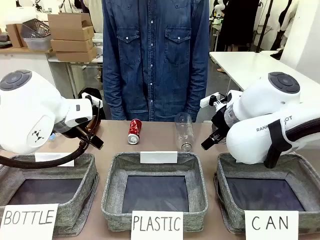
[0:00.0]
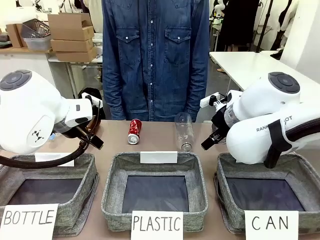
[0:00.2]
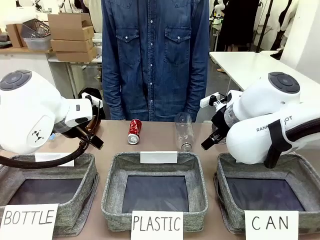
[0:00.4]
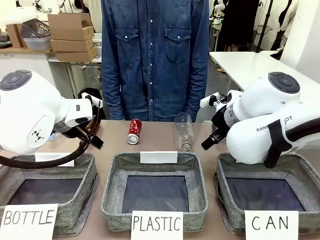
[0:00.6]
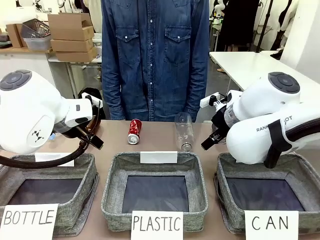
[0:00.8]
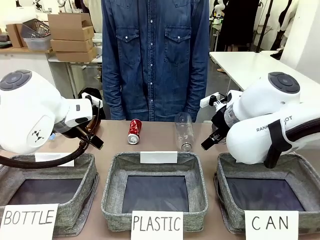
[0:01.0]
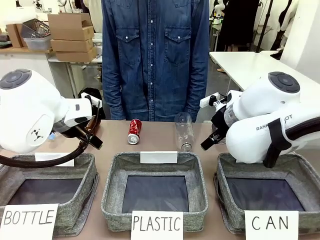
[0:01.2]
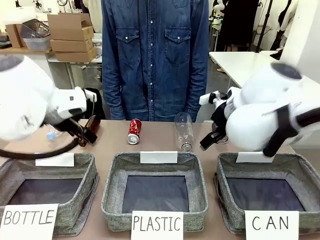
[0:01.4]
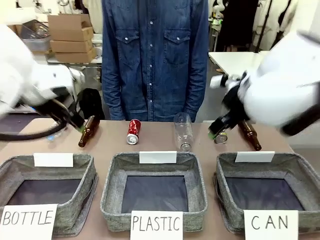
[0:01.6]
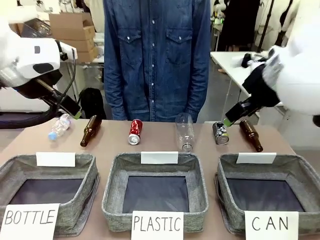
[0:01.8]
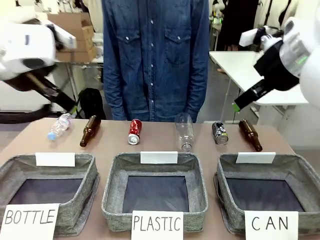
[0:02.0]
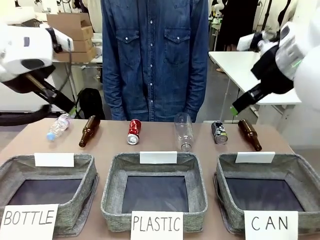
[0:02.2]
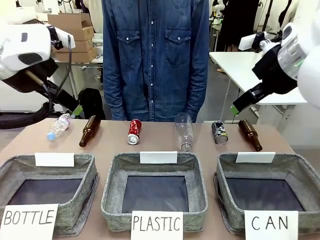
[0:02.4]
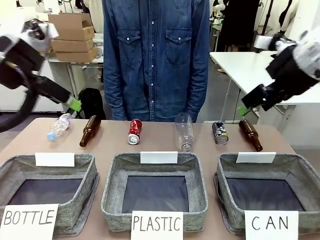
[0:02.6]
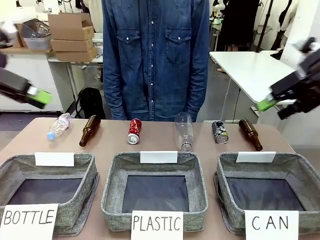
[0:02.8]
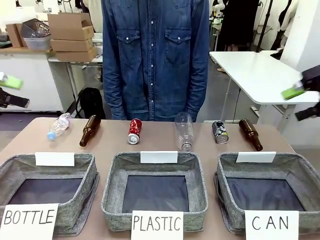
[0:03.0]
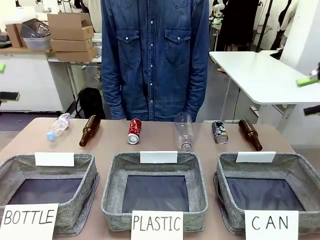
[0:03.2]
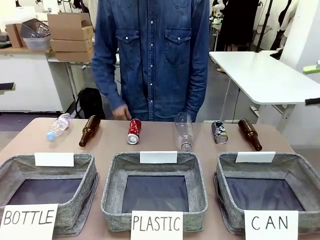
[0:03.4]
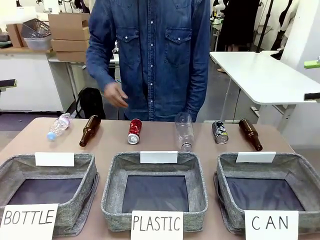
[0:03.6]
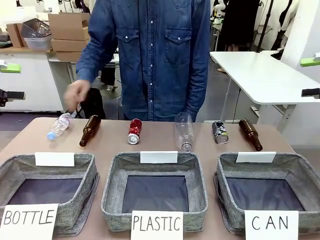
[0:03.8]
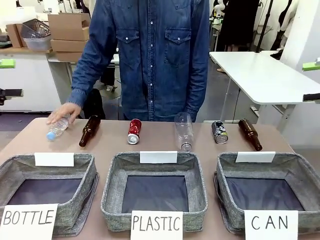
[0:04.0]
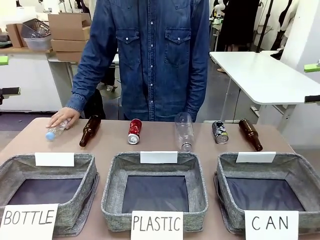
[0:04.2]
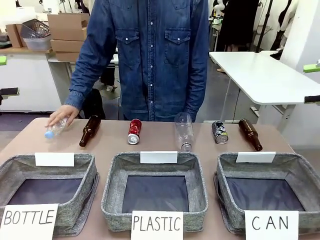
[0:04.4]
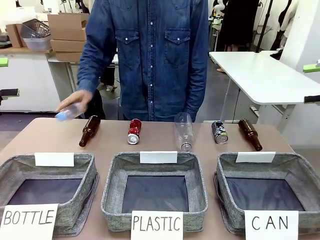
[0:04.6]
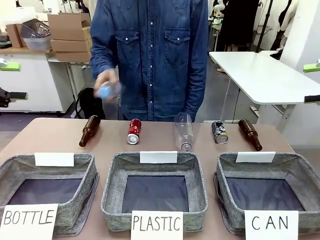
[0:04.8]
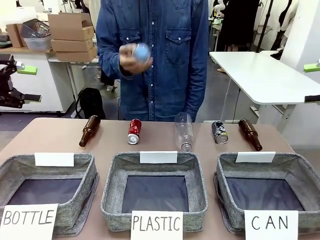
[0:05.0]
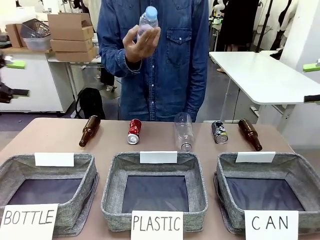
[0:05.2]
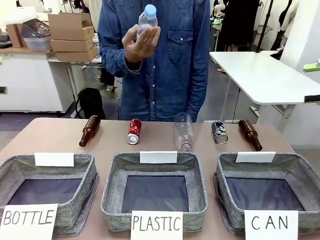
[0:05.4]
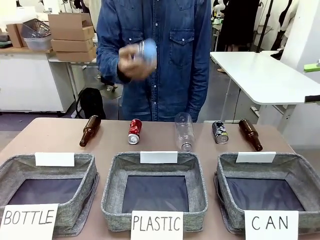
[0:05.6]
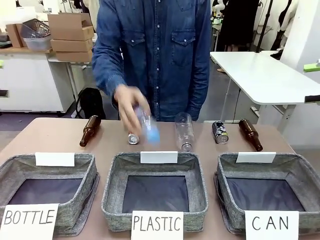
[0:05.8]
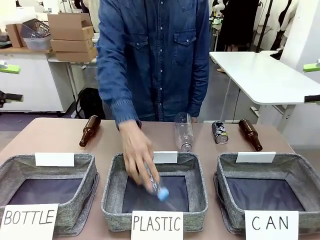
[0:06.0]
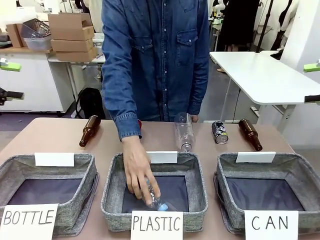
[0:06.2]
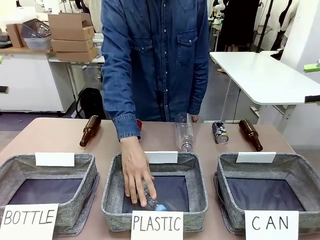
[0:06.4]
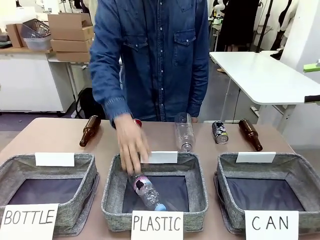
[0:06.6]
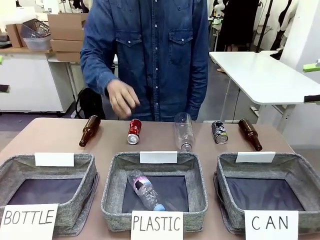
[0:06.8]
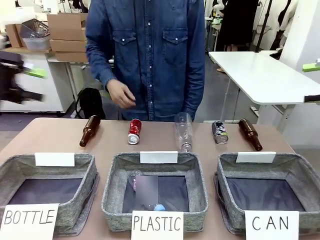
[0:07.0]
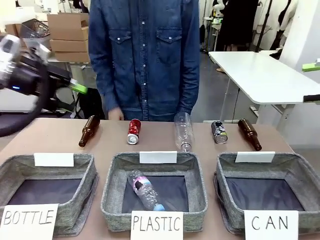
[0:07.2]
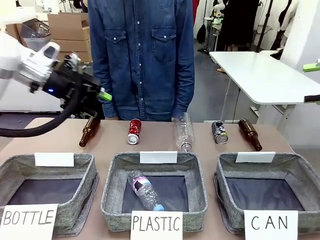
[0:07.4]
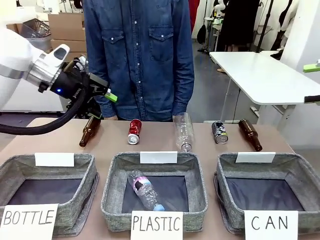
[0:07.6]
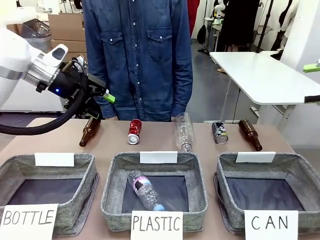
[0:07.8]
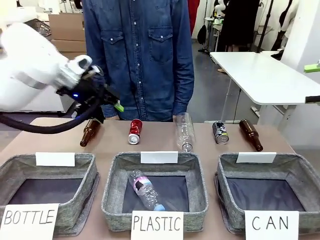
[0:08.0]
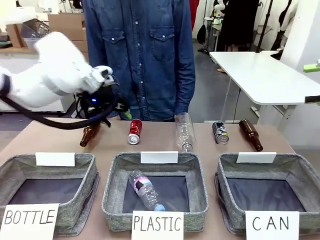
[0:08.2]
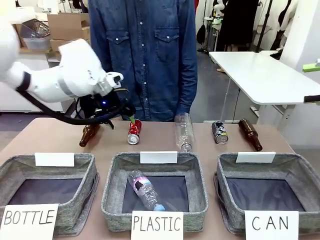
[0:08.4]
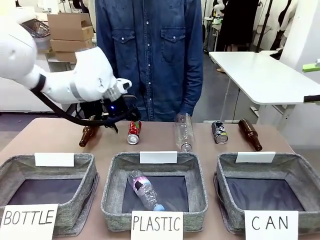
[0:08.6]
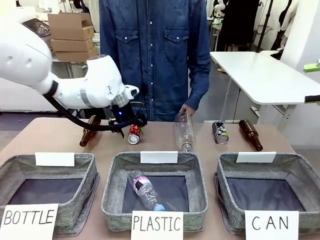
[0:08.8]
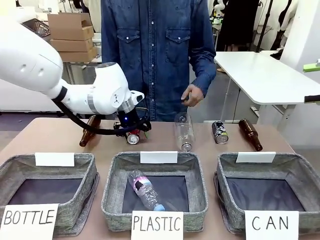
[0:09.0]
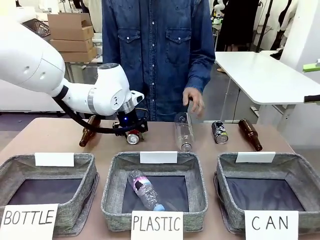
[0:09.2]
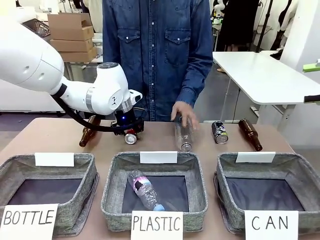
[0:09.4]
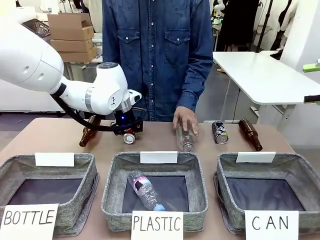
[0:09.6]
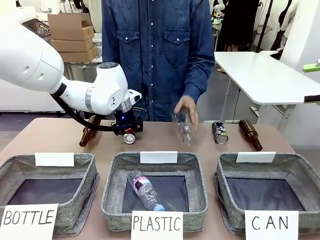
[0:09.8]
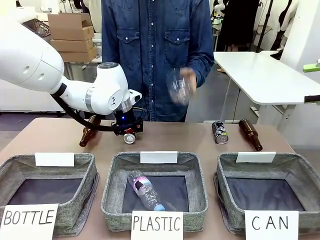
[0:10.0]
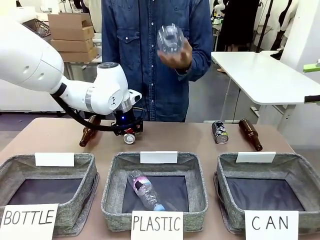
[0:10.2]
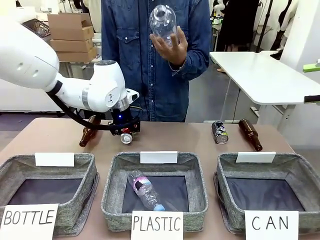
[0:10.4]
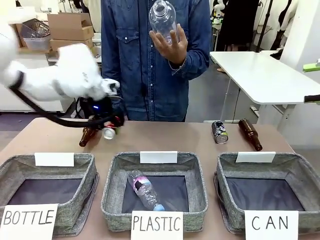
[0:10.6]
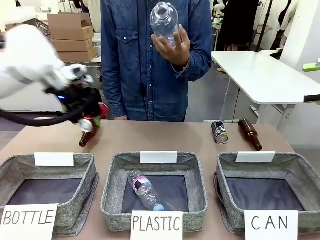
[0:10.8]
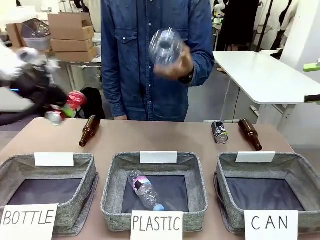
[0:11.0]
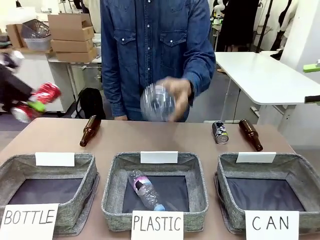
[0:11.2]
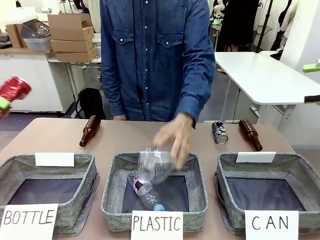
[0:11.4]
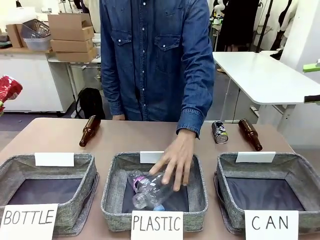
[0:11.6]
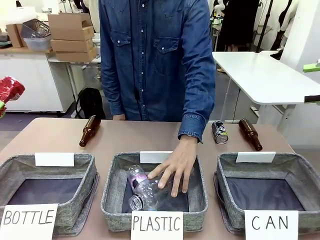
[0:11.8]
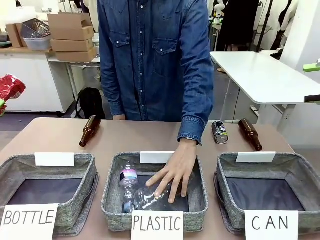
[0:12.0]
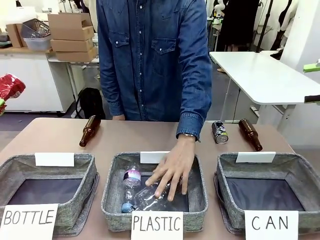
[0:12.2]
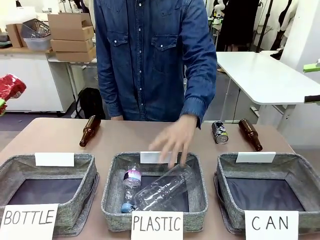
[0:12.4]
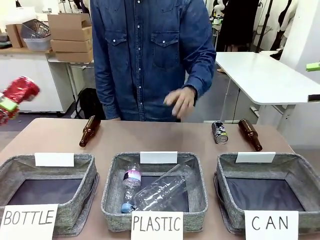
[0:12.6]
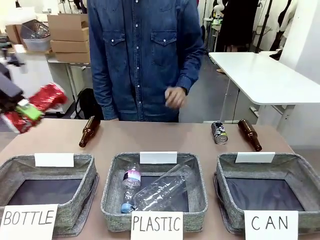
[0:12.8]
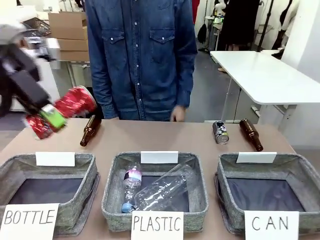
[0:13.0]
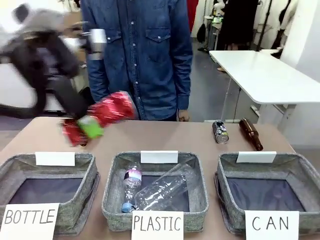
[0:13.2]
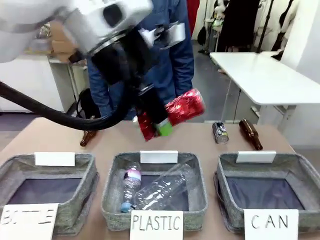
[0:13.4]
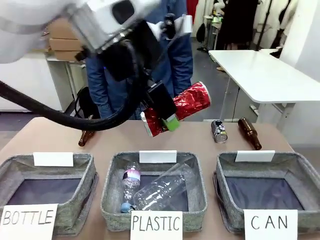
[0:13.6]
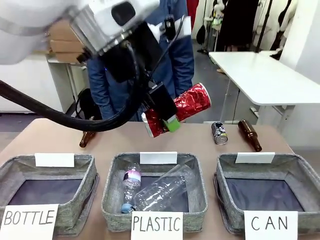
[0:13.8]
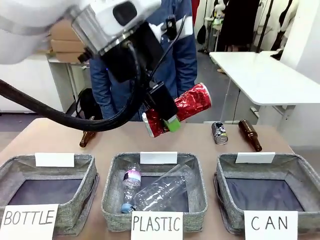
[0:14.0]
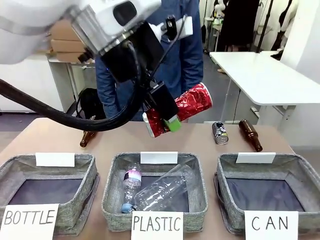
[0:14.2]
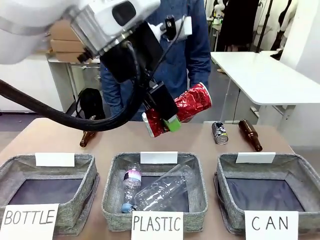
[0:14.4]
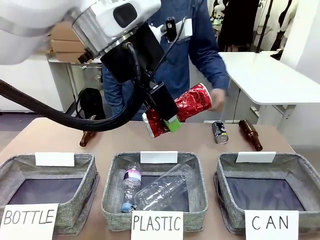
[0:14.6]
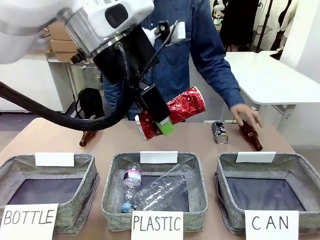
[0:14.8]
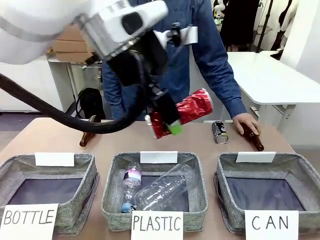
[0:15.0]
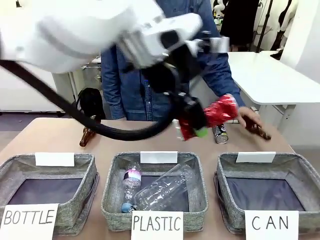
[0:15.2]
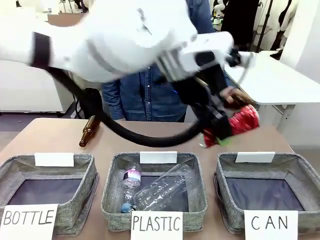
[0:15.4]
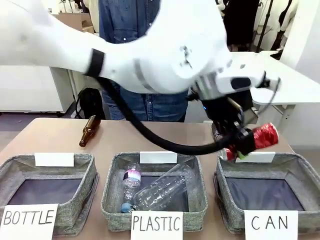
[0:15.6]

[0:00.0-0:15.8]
Task: Sort the can waste into the basket.
Robot: Pick up the can waste from the table and place it in the right Fabric basket.
